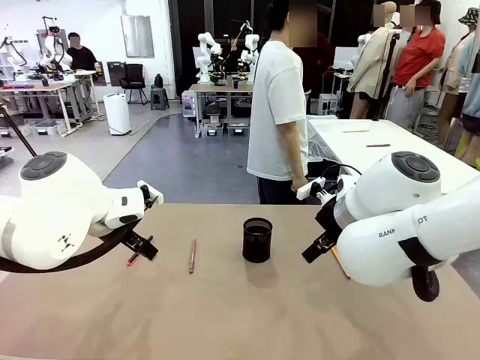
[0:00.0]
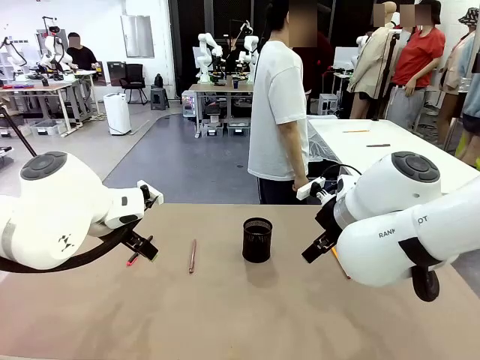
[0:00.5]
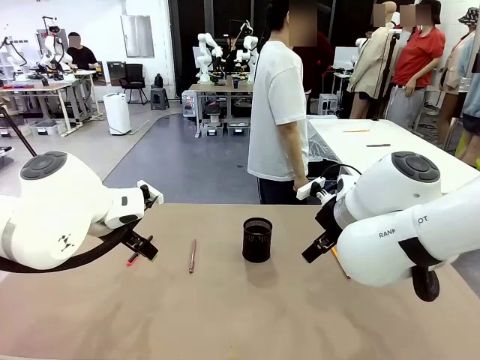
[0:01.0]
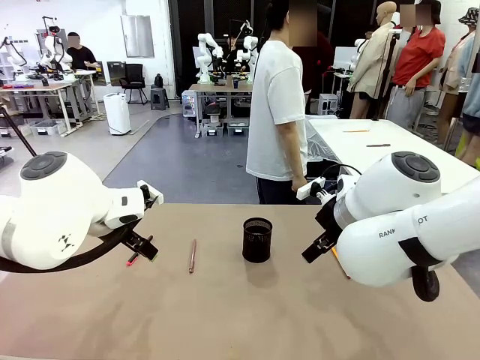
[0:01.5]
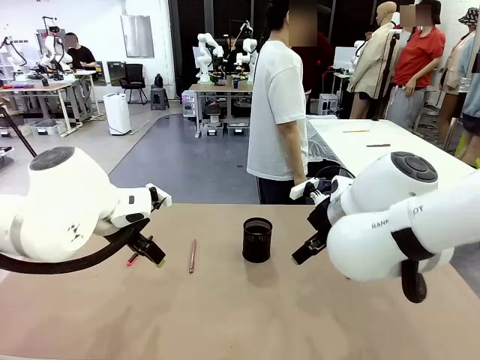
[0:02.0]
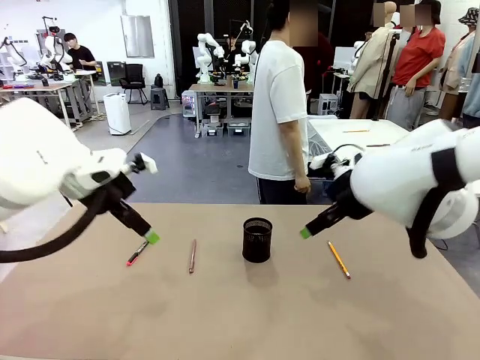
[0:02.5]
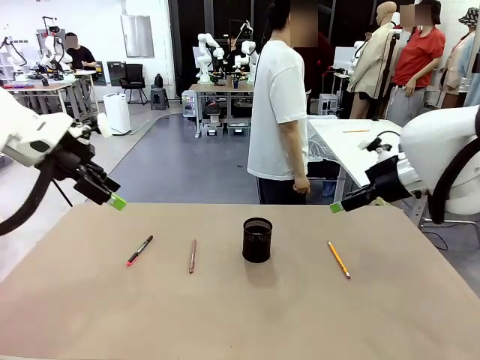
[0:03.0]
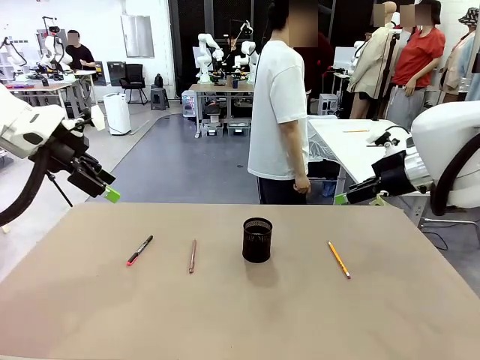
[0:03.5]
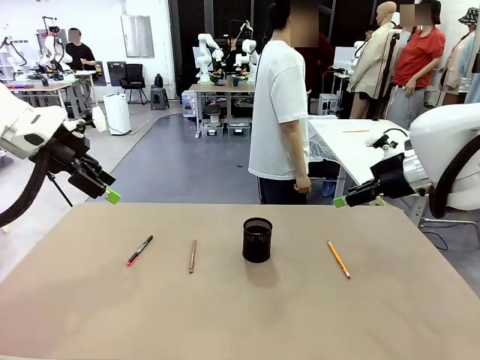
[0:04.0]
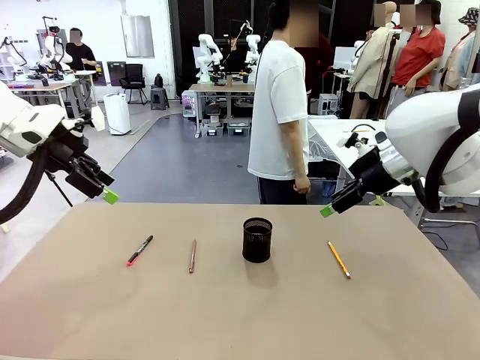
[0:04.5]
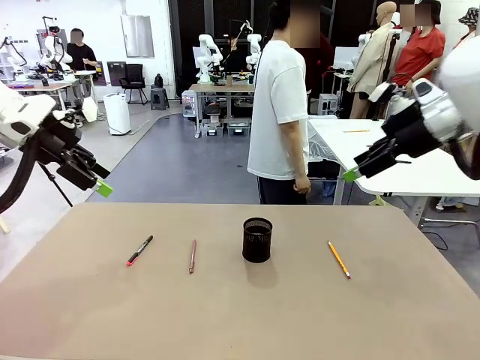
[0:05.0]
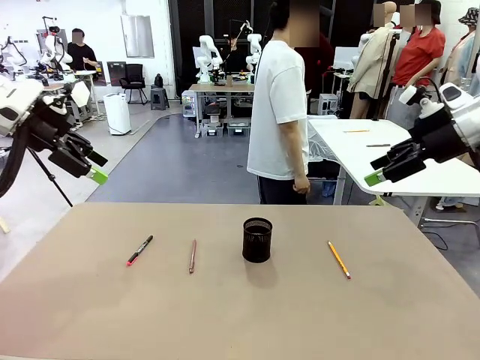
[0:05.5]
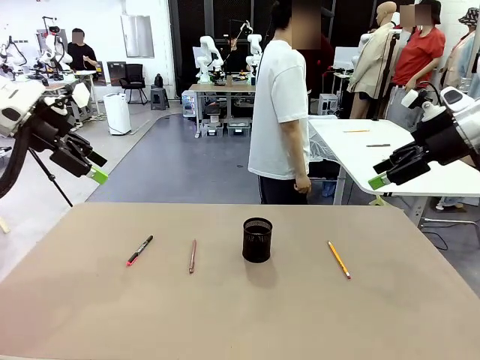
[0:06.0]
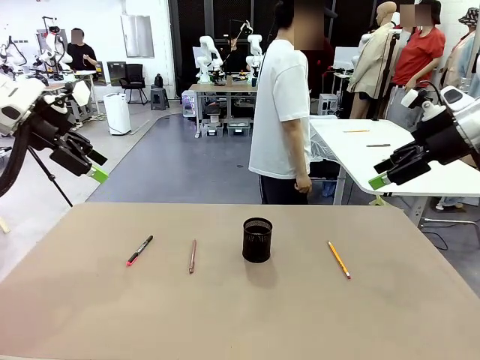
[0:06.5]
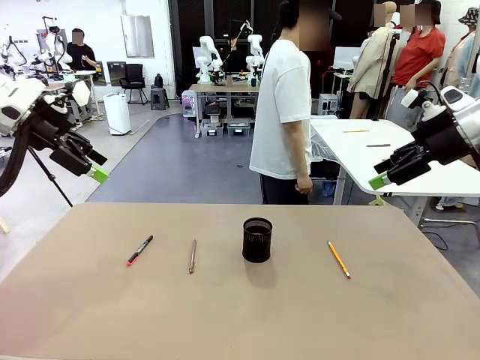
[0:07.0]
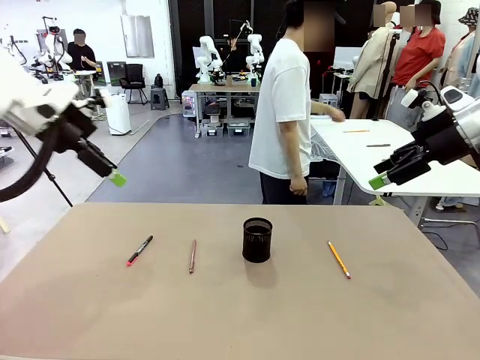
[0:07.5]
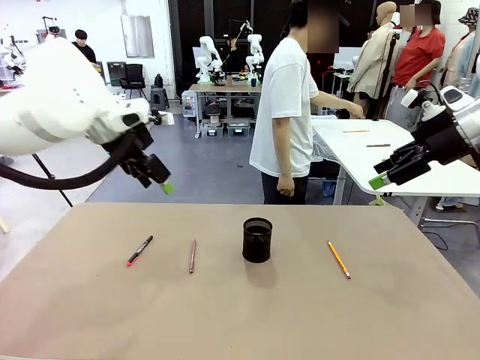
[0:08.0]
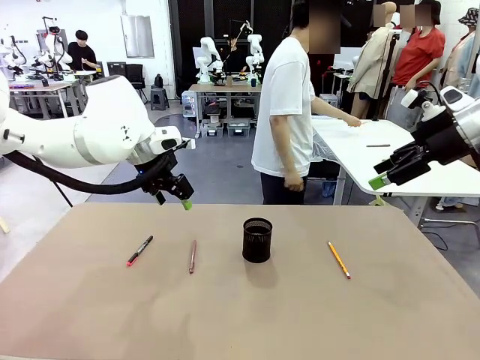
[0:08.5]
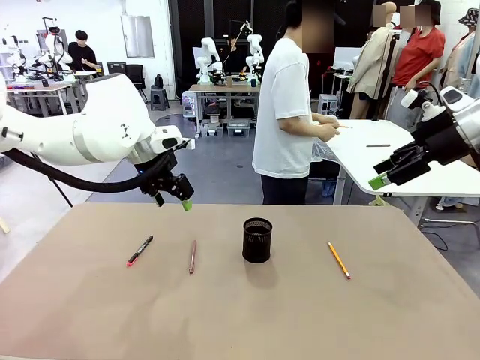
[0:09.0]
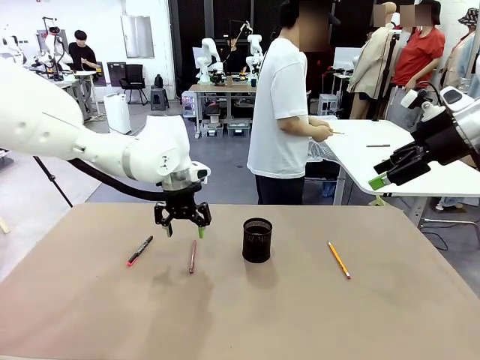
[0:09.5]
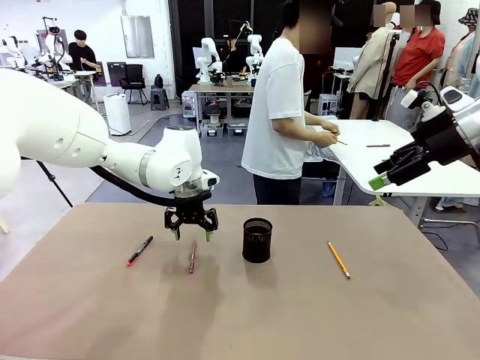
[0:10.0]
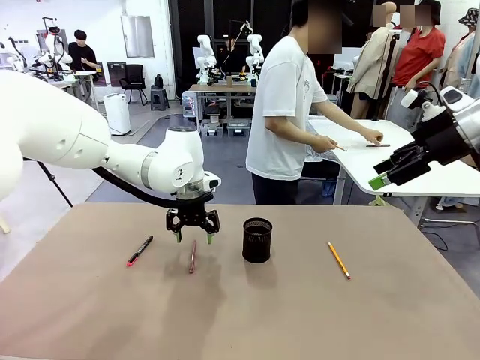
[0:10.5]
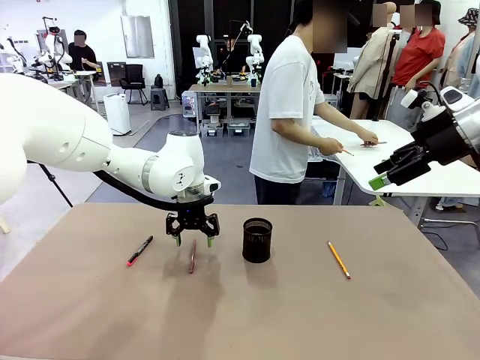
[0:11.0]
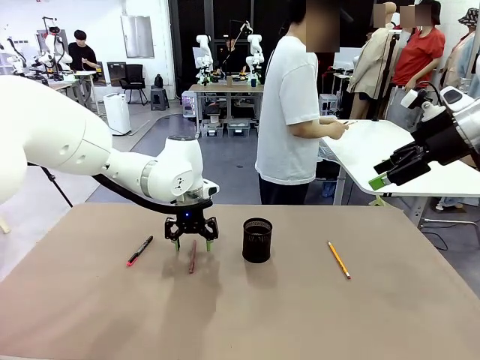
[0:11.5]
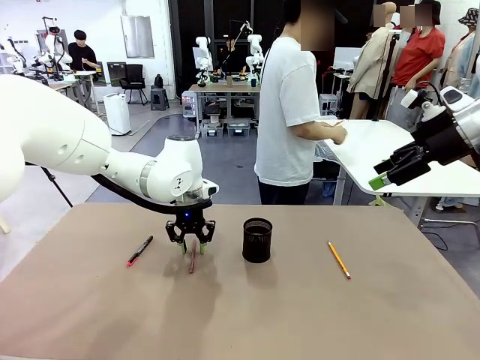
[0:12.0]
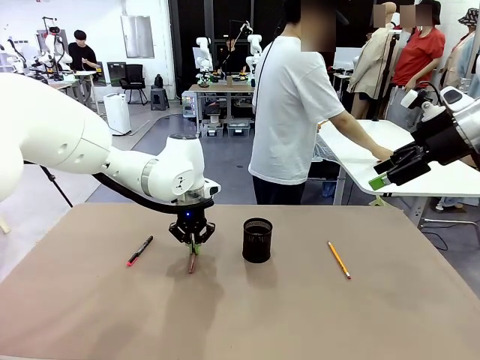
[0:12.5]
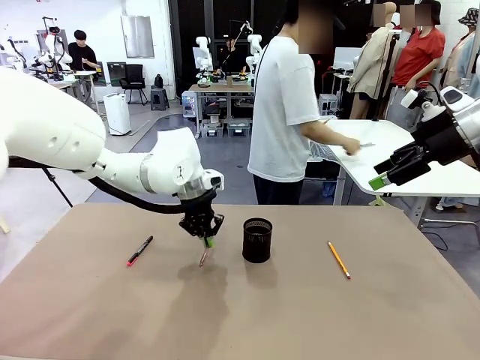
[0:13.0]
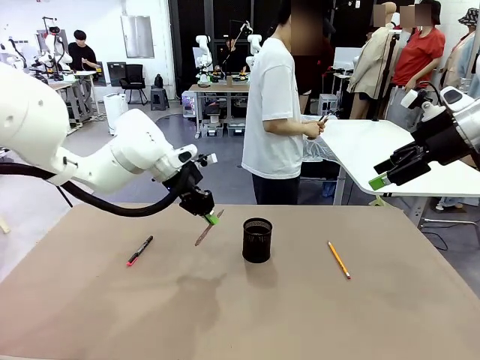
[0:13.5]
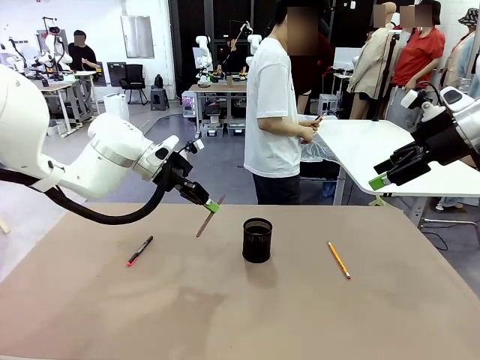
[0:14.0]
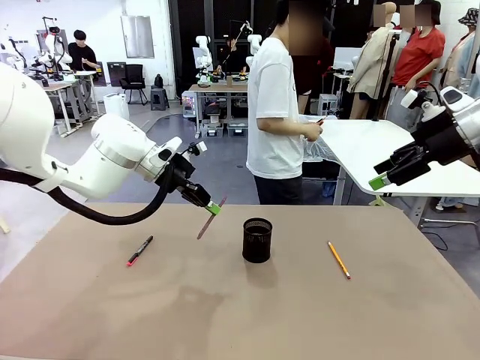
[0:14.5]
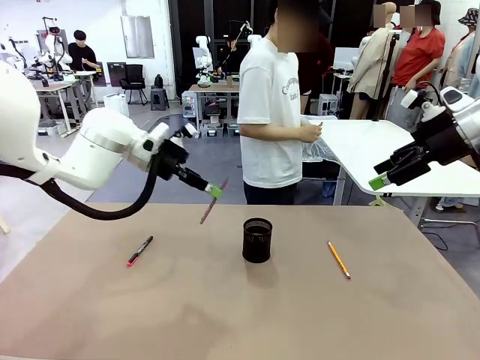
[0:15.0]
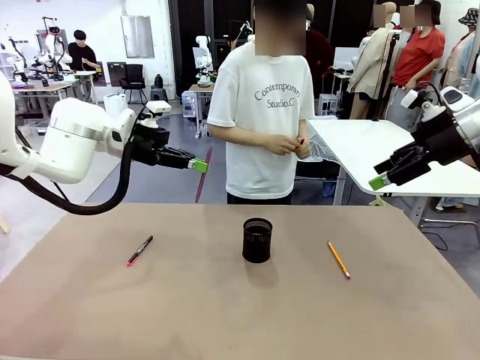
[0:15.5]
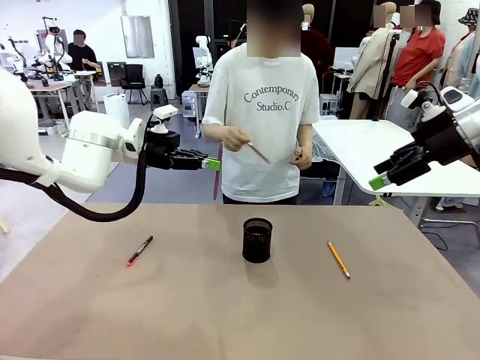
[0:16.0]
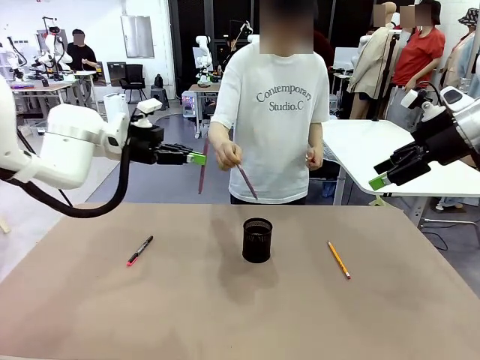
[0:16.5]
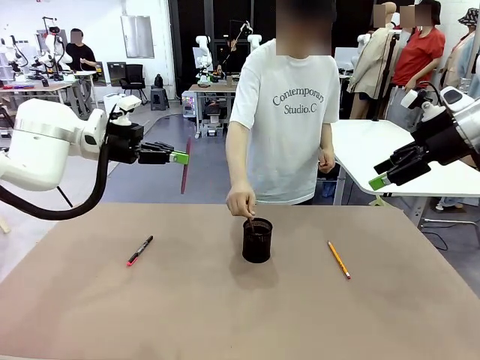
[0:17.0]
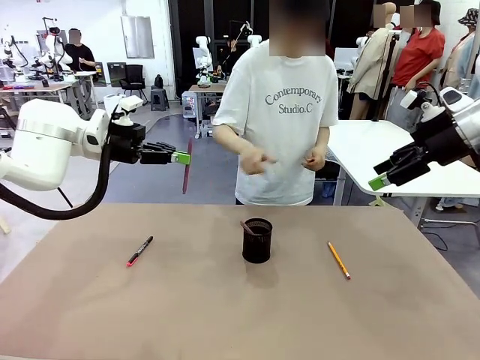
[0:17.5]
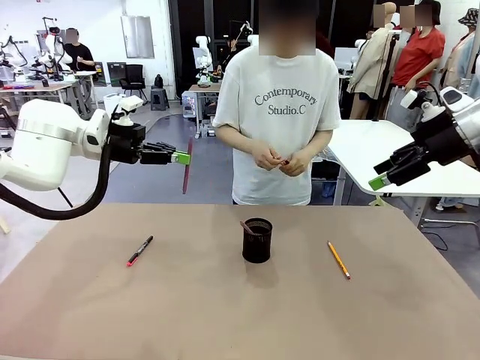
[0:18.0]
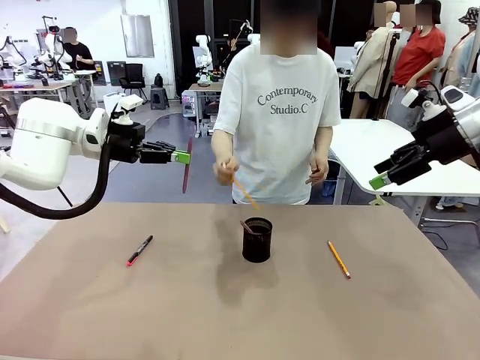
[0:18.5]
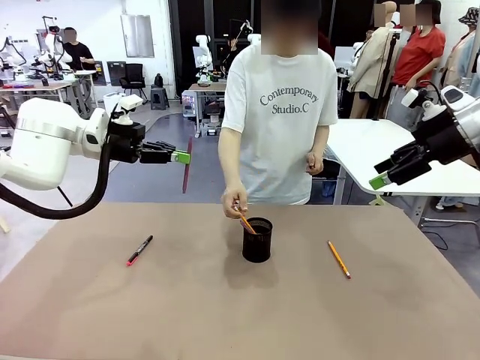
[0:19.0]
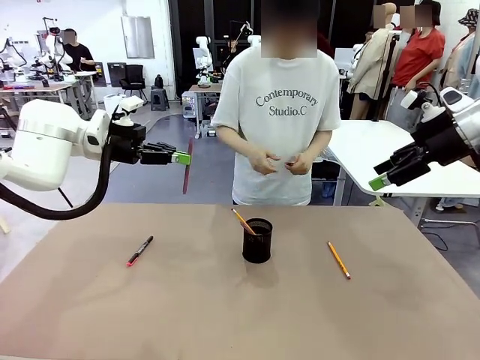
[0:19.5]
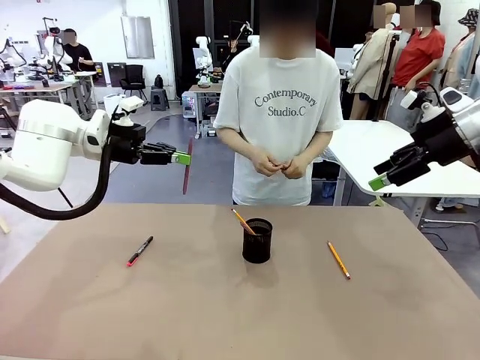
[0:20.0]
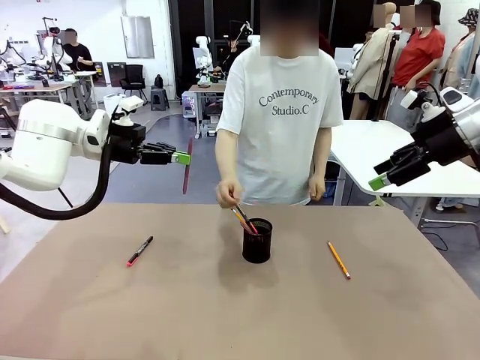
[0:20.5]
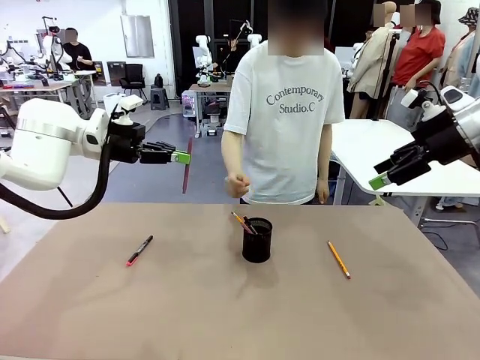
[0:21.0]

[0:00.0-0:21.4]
Task: Place the pens into the pen holder.
Robot: Pick up a writing instrument from the table and place it into the Pen holder.
Person: Pick up all writing instruments from the Human table.
